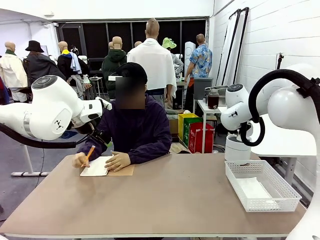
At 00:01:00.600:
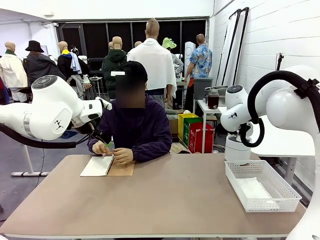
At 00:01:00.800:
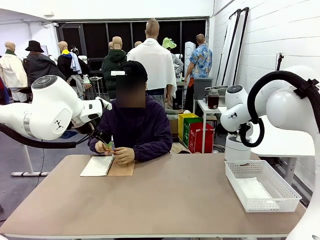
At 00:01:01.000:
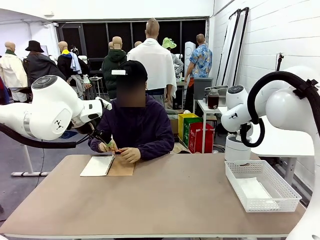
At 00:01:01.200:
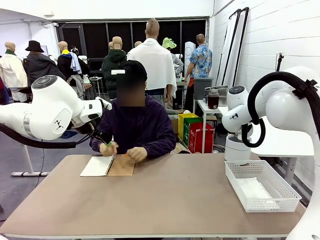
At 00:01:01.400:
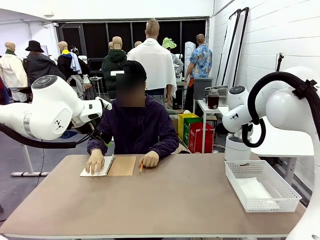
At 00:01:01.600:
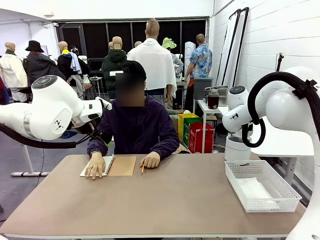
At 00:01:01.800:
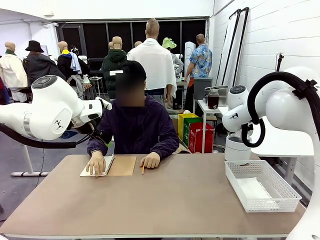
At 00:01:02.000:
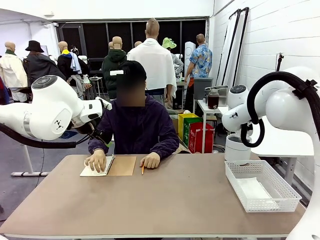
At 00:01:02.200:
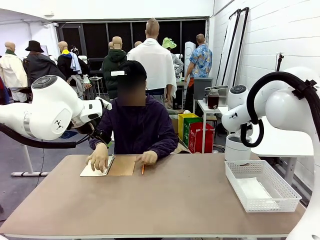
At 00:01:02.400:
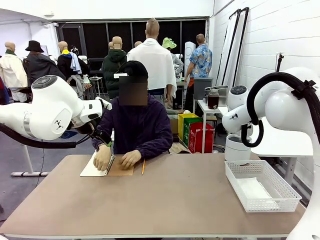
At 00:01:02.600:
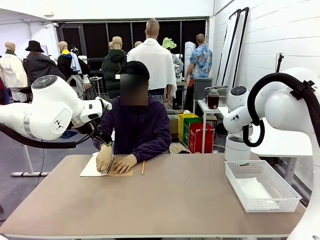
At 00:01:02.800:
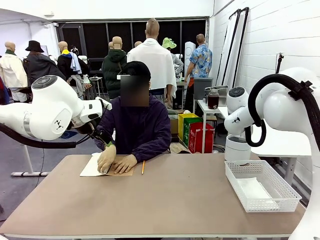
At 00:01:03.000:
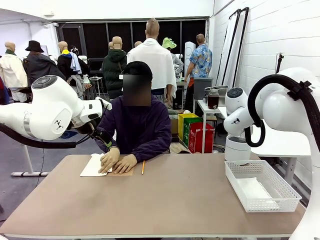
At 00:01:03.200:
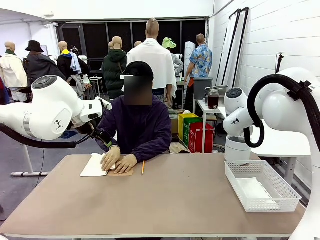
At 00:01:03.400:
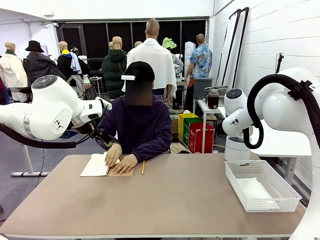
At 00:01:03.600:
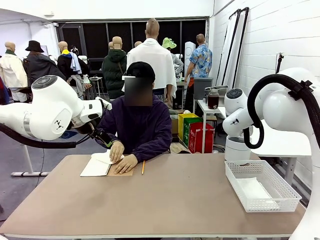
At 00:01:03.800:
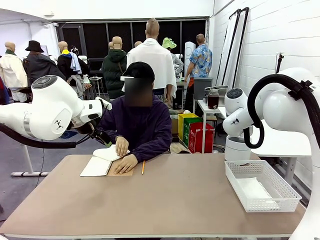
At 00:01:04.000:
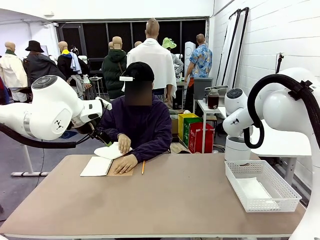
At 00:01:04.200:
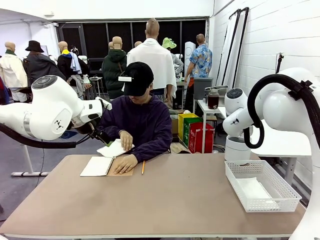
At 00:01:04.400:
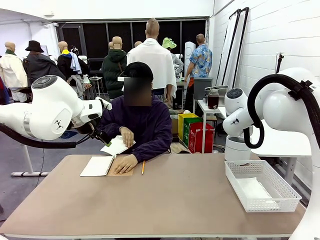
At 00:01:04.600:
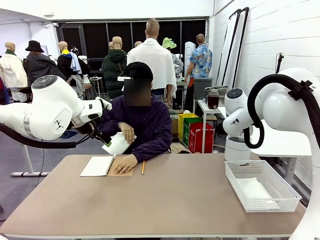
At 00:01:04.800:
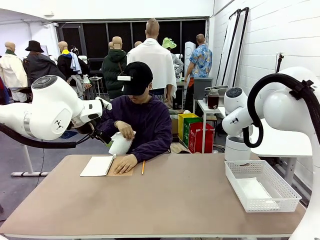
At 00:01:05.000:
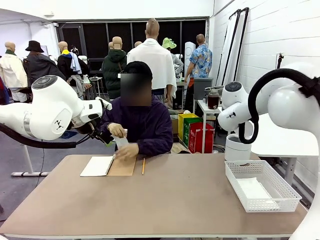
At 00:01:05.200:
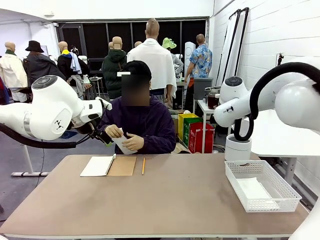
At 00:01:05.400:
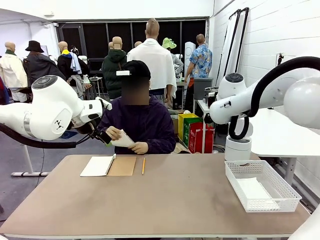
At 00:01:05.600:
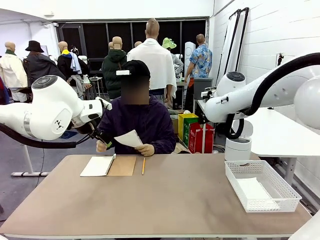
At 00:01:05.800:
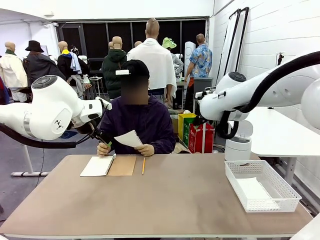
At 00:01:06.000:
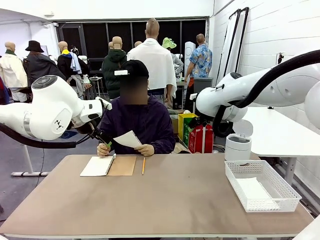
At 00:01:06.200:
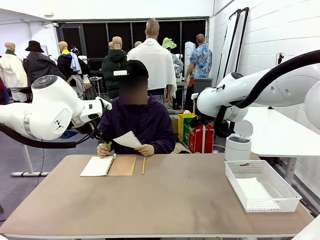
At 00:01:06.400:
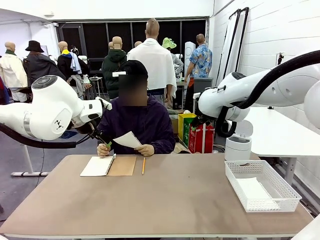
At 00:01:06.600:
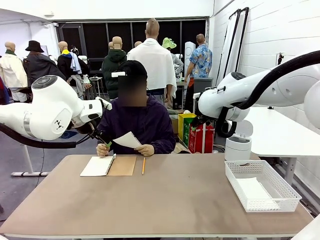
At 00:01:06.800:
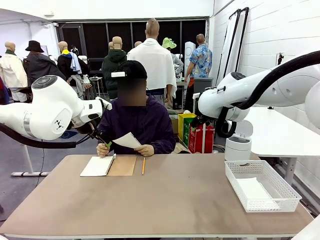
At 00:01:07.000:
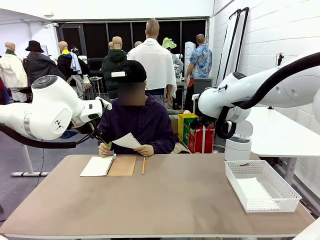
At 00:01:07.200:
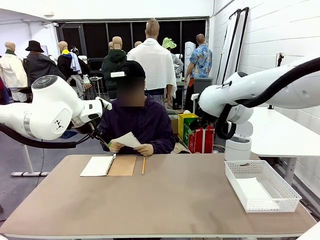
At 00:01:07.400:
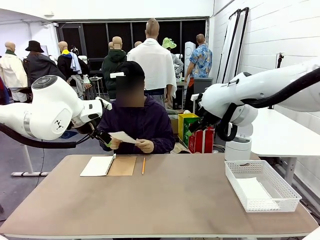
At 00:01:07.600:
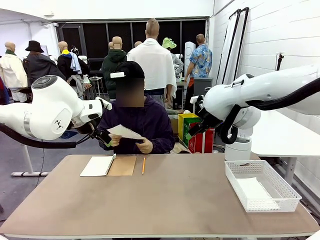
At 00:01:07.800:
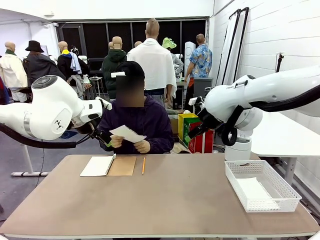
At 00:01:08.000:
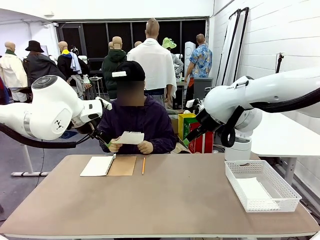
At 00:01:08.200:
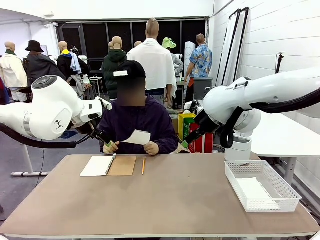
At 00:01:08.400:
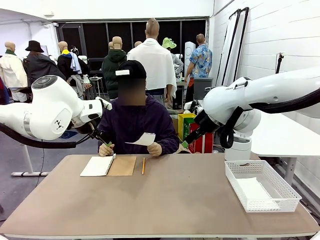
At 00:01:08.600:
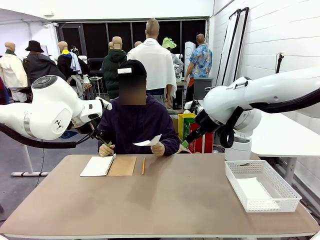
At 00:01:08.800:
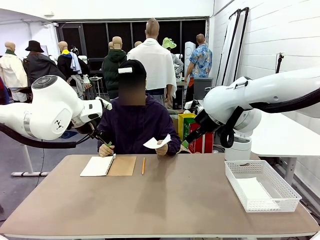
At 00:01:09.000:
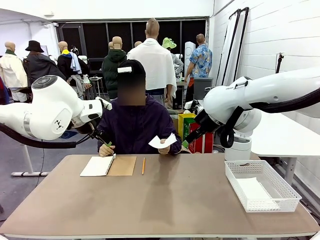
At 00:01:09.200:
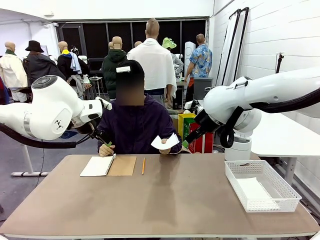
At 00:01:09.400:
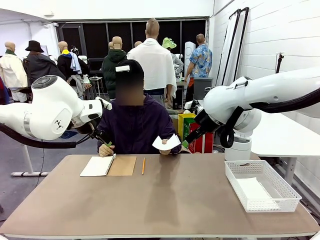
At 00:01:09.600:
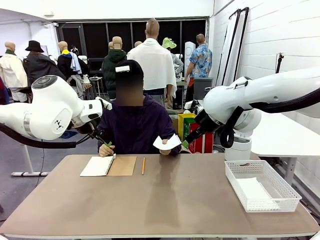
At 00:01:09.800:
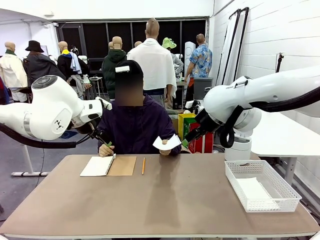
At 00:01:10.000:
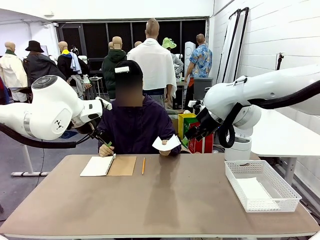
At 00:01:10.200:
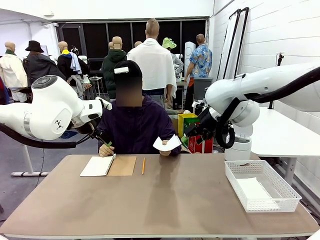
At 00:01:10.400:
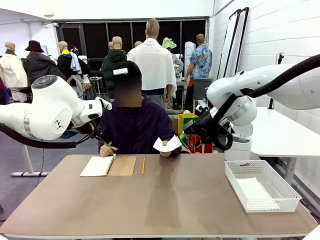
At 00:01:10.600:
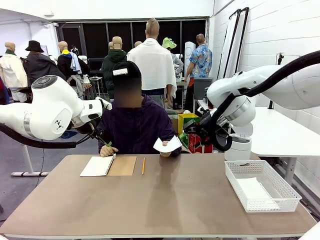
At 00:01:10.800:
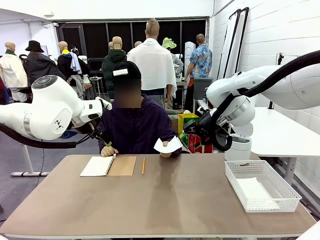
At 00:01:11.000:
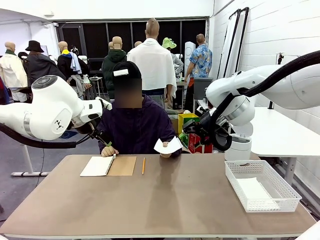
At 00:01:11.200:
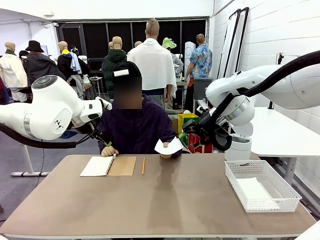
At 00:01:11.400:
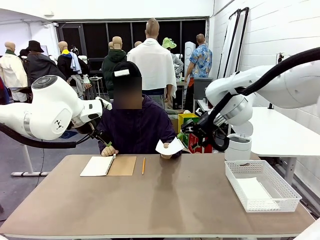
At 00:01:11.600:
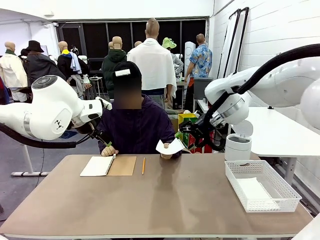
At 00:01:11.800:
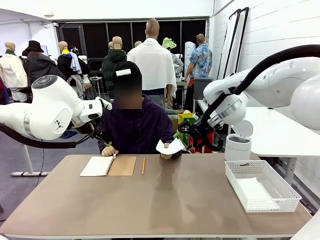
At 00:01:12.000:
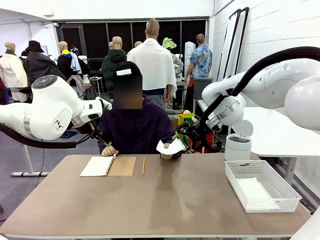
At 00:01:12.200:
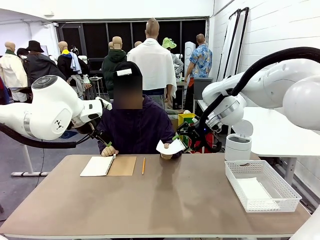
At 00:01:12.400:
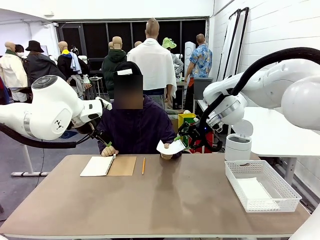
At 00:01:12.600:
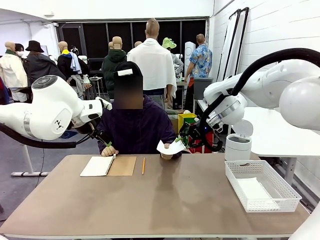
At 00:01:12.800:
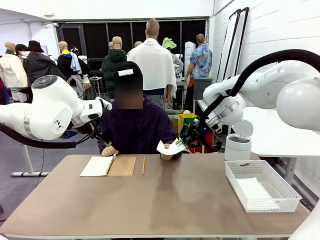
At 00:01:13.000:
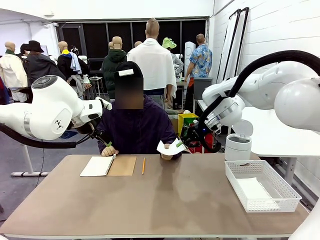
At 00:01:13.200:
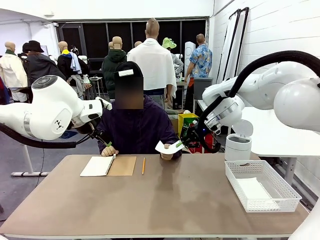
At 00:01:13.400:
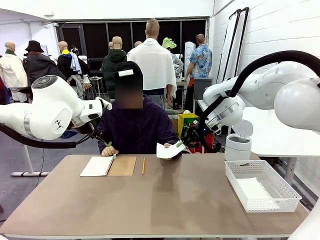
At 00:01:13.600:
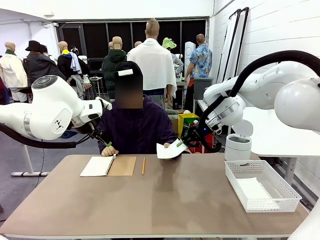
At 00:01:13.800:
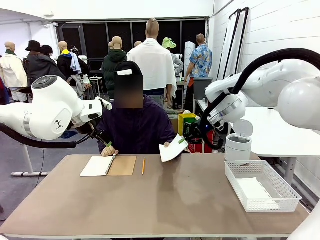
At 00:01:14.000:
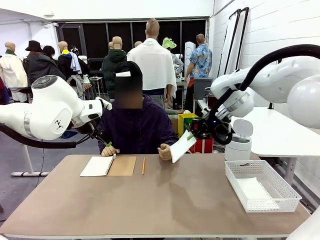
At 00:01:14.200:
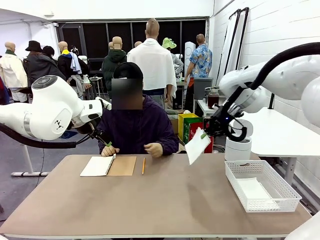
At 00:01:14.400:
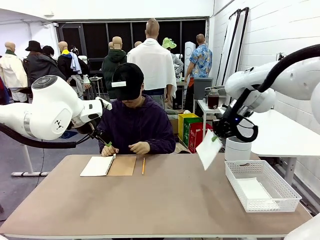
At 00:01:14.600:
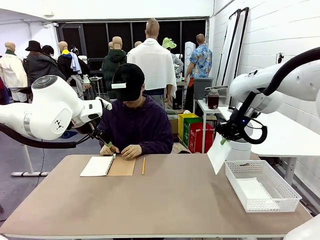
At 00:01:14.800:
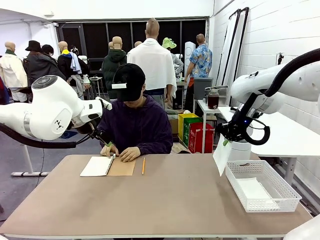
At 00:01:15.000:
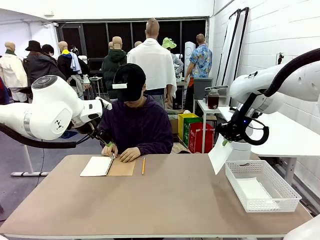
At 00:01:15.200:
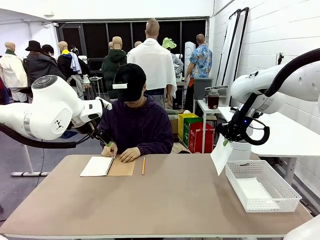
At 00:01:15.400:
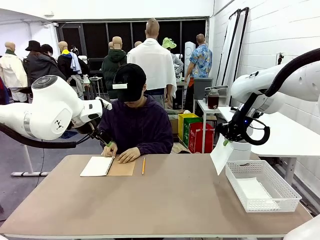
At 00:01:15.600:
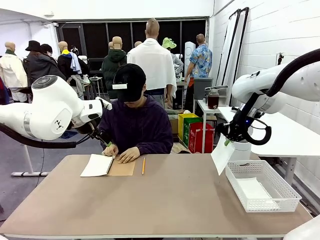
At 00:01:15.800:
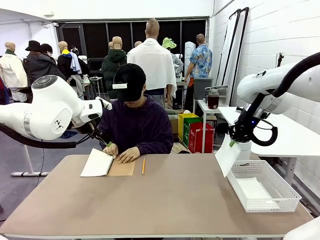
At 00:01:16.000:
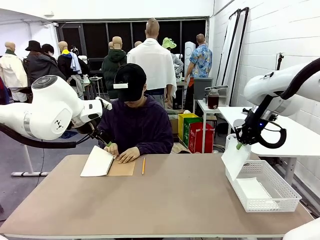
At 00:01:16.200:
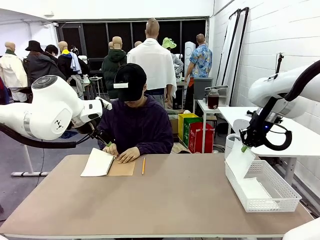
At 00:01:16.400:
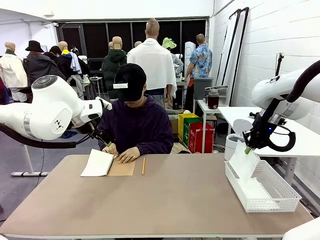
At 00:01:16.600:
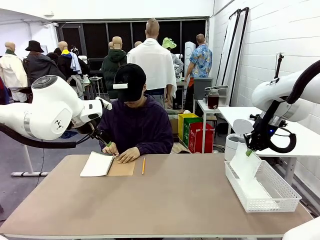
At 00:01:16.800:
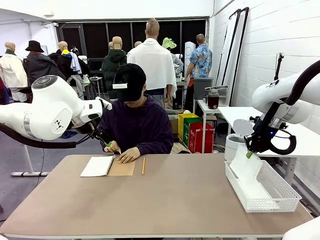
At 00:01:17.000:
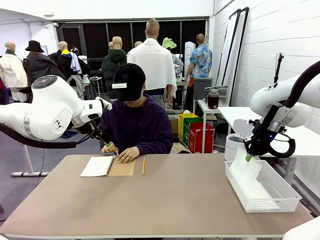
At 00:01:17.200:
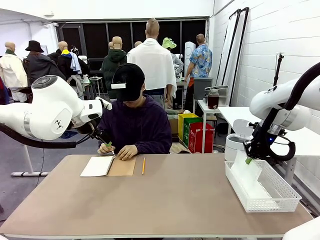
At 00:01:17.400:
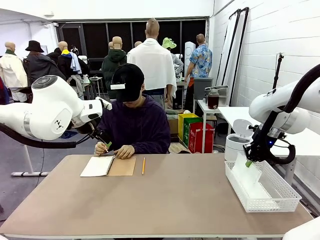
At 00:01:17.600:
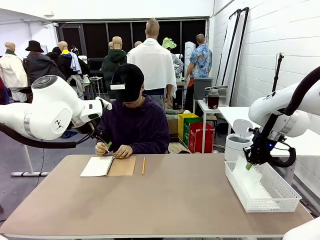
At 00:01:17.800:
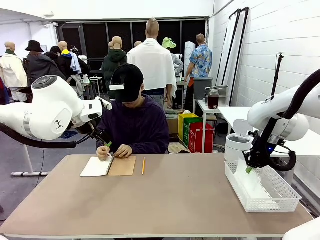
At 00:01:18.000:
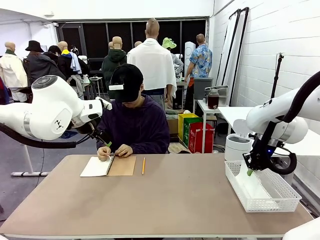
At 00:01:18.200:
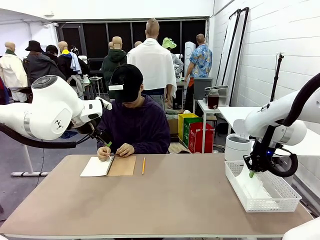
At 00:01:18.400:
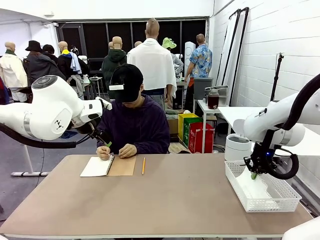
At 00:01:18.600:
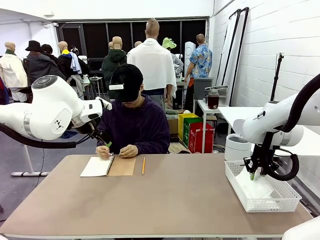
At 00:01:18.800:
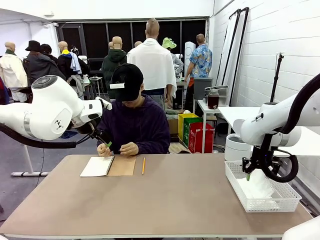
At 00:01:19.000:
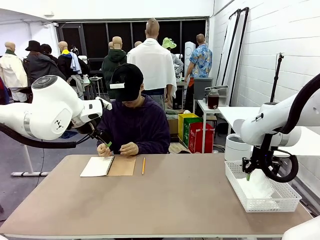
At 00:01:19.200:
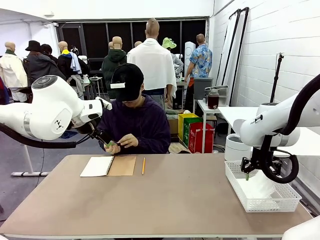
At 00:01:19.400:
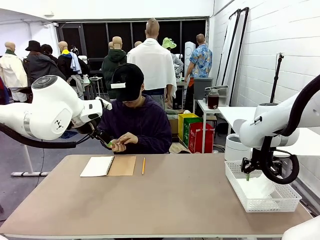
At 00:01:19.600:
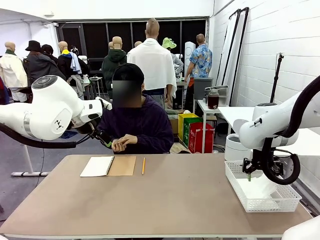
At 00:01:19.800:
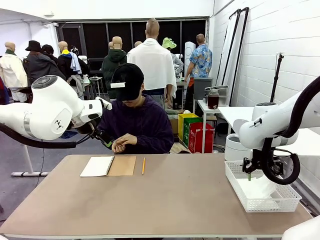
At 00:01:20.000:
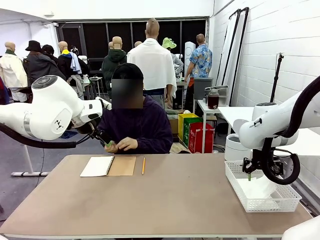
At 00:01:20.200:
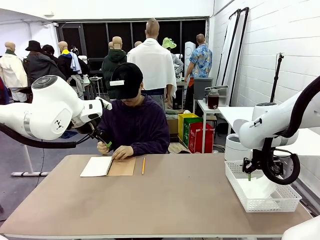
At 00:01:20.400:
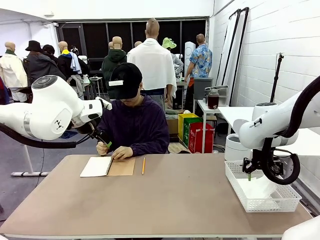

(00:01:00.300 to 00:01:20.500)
Task: Sort the paper based on its condition.
Robot: If a person hands you a paper, place it in the Organizing basket , and if it's crumpled, put it in the Trash can.
Person: Hand the torn page to the robot or crumple it and throw it to the center of the table.
